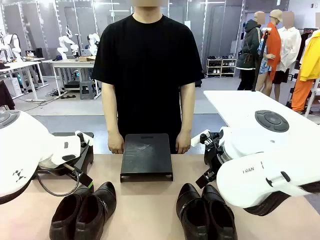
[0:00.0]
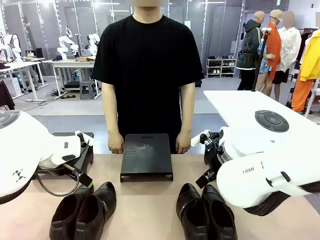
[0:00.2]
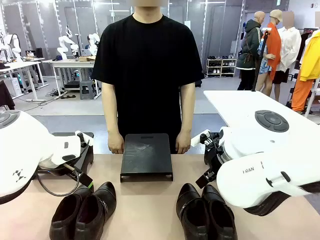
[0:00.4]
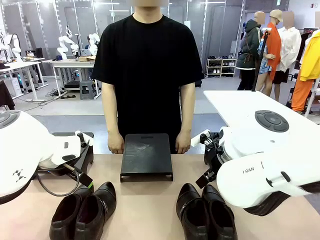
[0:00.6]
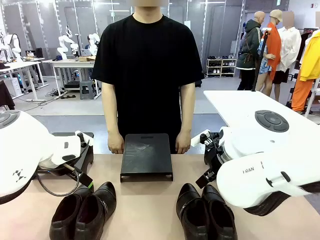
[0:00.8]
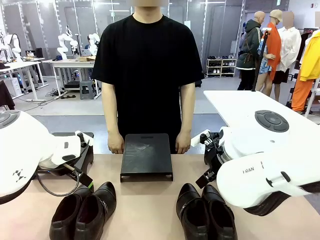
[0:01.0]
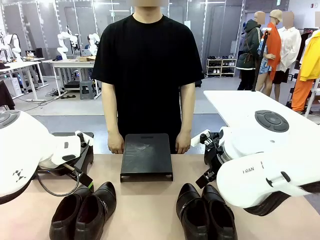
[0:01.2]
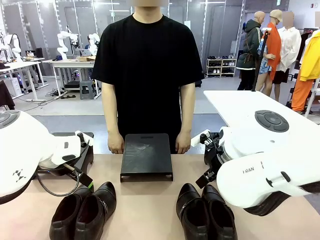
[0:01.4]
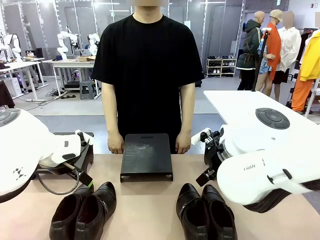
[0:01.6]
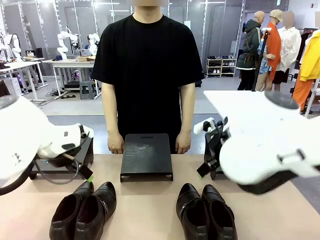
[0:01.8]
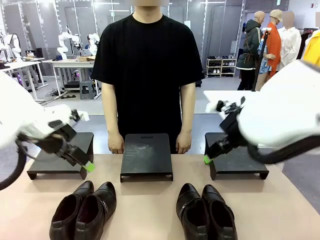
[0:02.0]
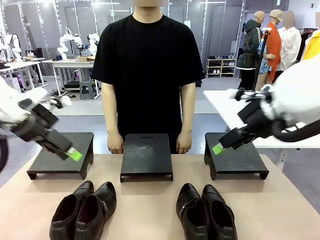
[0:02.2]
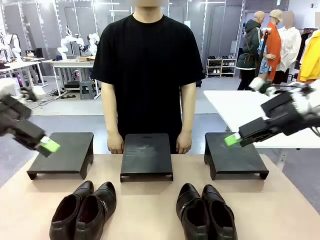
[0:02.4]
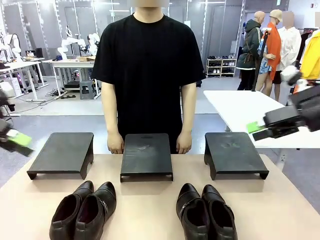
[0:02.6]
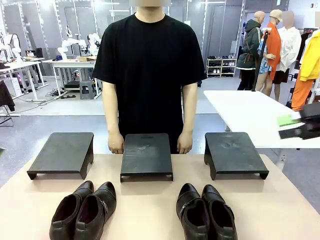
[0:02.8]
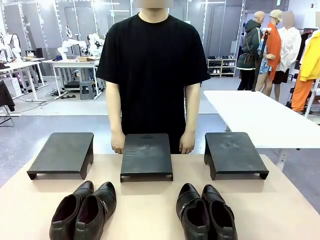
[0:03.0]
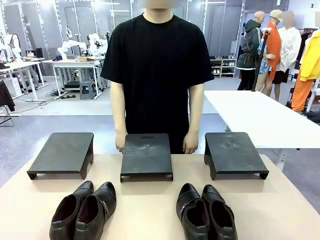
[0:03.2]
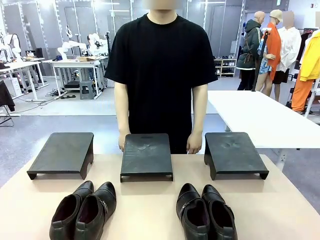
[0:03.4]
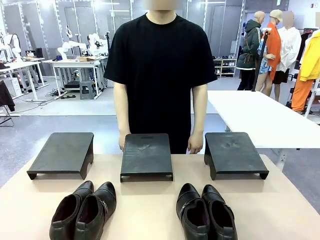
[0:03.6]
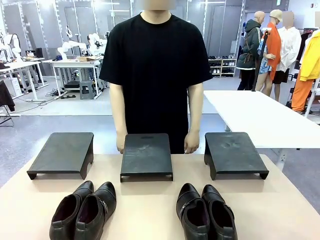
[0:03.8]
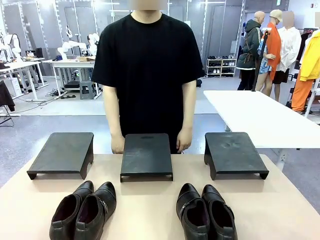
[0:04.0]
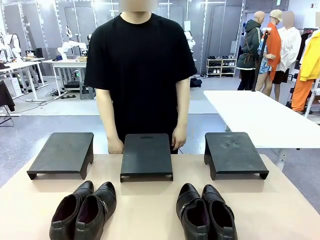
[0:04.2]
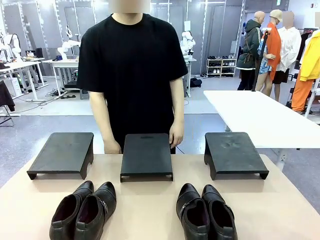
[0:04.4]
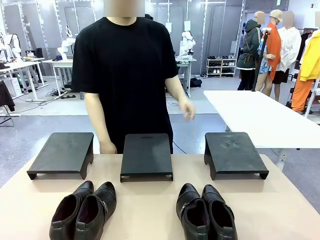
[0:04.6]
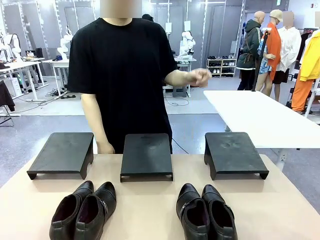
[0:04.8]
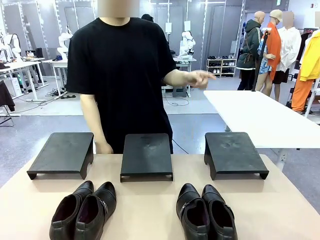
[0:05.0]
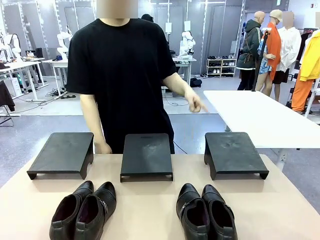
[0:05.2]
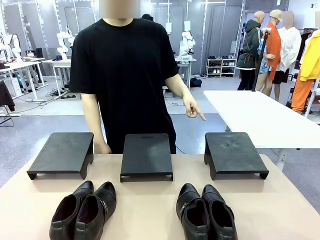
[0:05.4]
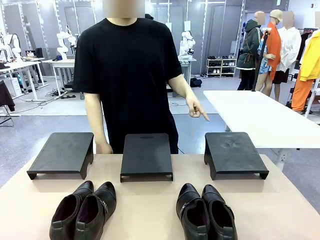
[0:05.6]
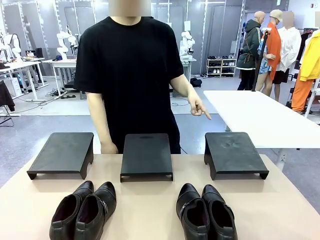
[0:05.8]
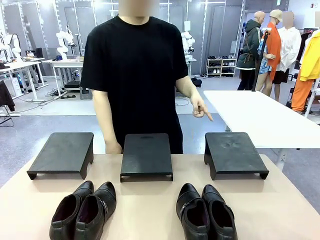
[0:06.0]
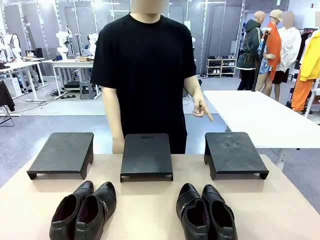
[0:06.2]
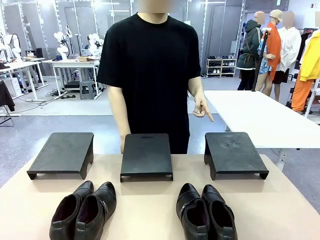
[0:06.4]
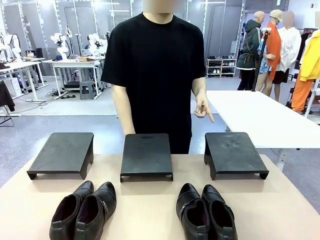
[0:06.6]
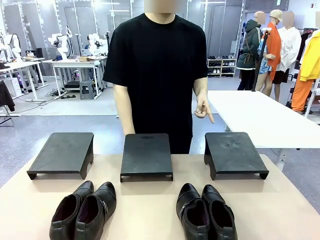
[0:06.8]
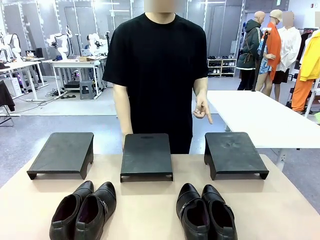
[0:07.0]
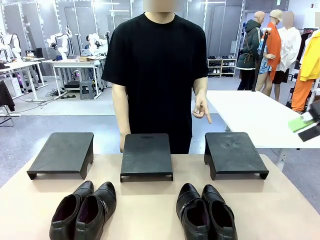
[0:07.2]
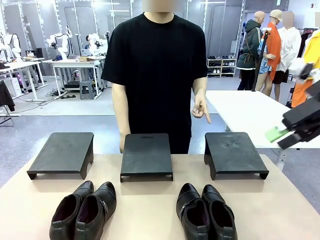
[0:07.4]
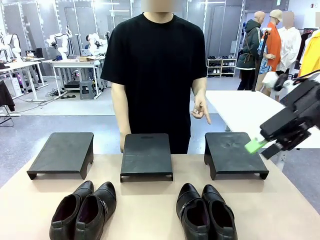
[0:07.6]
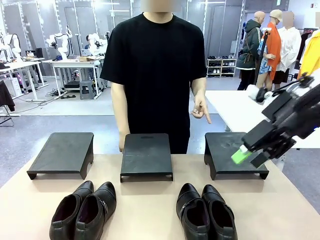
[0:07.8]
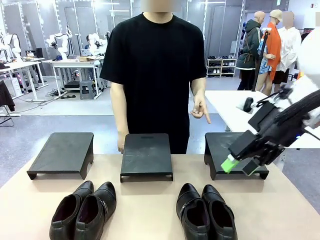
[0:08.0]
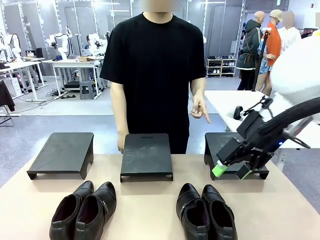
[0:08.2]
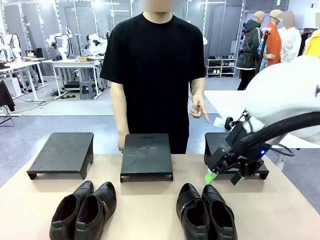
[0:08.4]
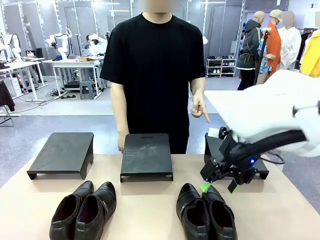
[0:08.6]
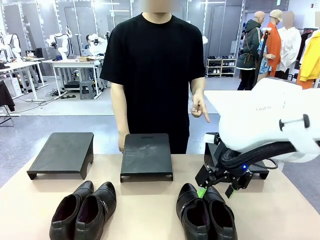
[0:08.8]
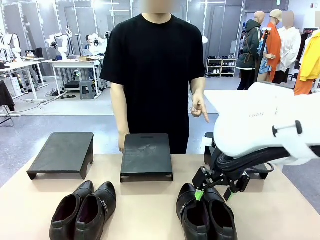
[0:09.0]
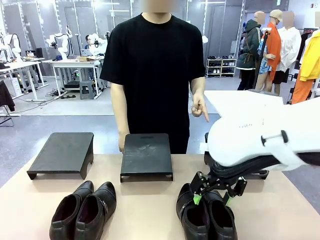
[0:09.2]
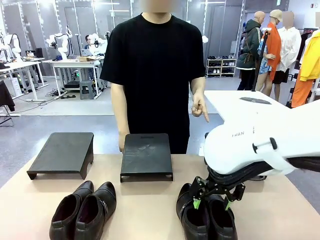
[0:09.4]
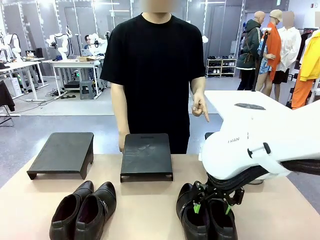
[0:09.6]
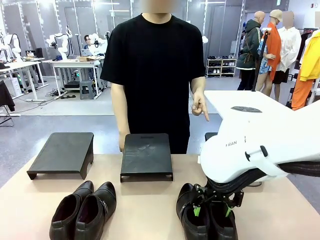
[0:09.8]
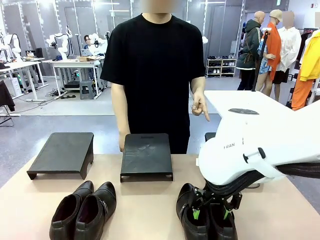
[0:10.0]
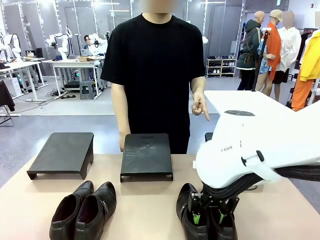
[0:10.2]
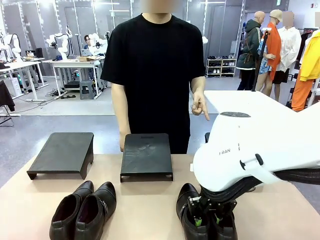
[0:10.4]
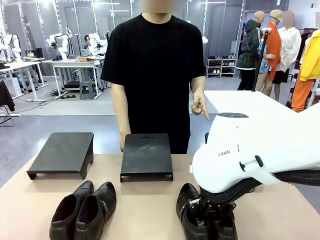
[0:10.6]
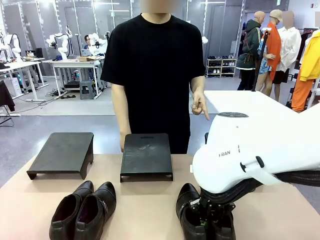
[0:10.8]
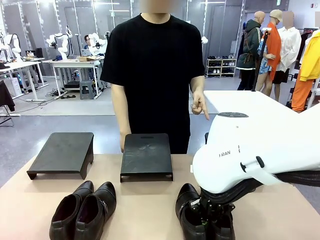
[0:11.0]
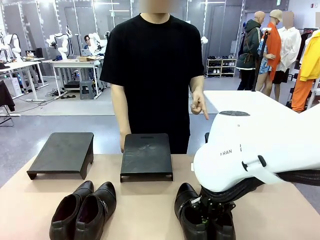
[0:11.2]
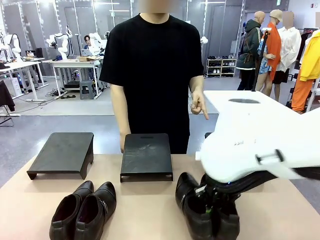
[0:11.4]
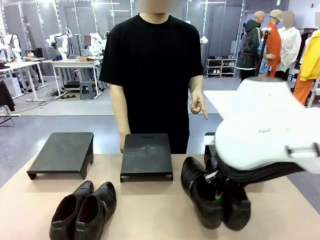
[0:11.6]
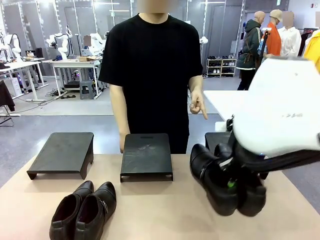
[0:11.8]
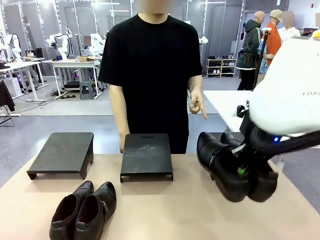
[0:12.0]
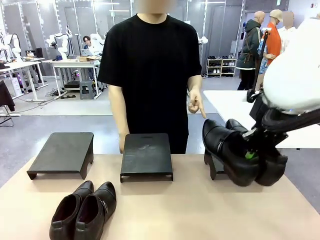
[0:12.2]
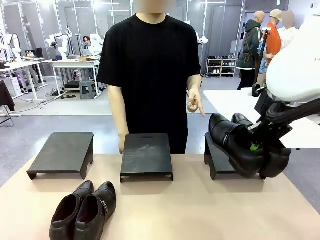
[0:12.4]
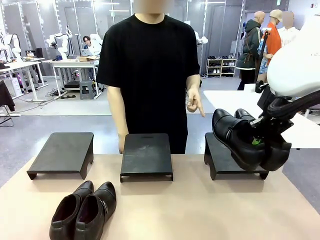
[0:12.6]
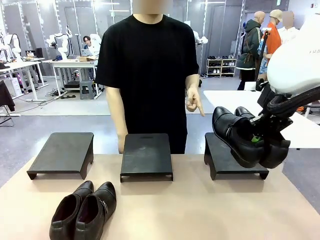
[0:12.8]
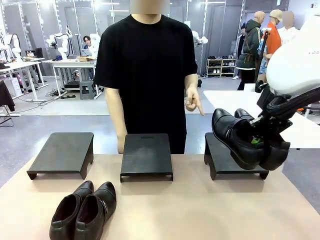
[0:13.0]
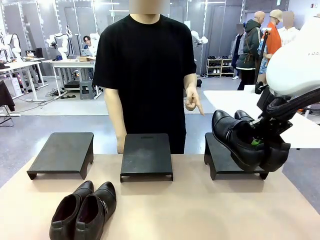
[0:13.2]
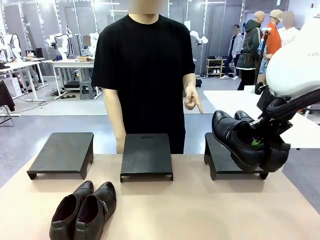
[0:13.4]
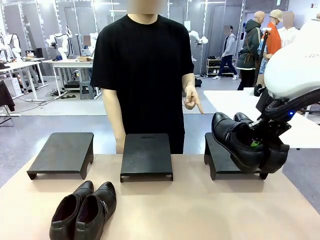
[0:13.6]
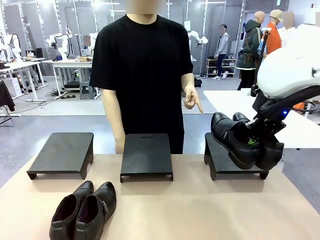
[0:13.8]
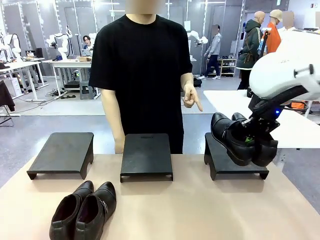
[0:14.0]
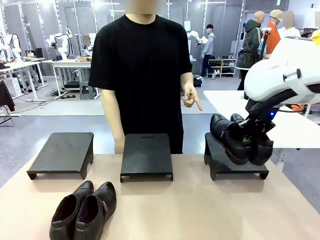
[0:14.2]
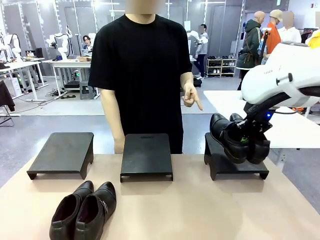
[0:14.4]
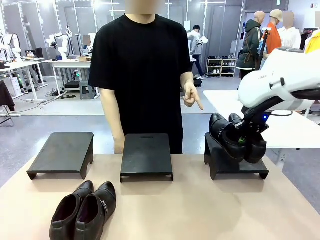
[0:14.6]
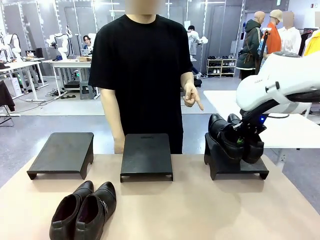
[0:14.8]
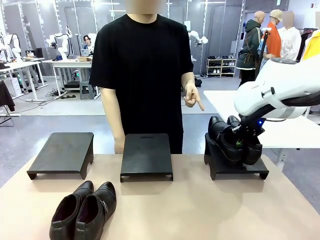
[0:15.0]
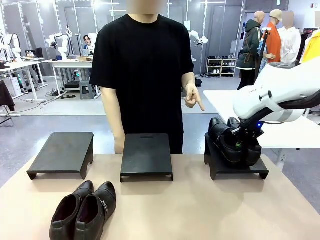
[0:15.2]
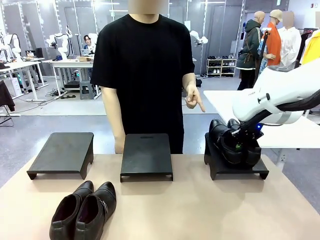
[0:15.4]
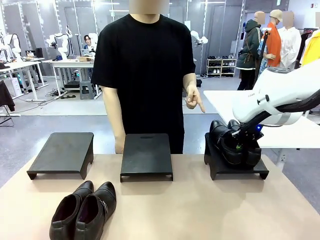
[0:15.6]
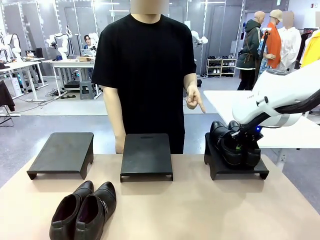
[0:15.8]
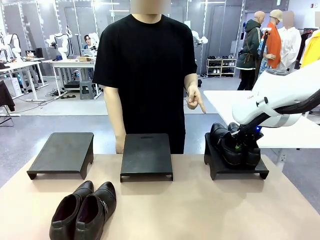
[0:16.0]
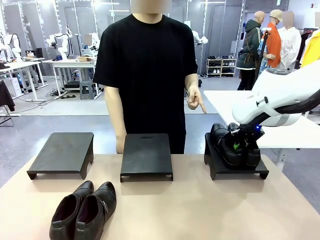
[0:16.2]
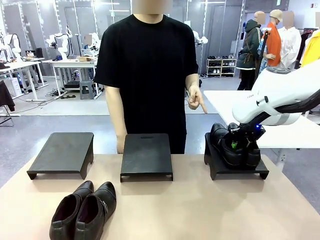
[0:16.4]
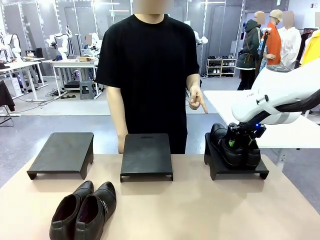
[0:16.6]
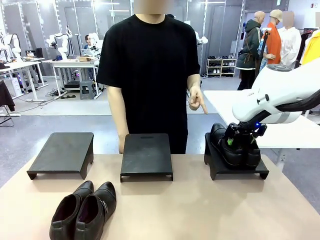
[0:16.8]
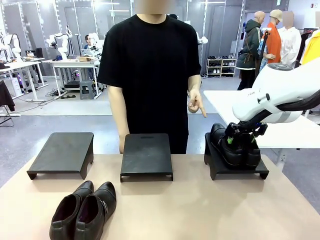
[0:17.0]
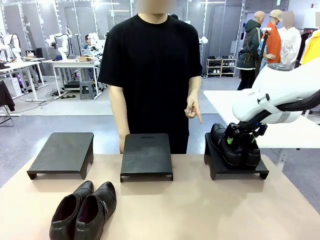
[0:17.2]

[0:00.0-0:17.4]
Task: Place the shoes on the stand as instructed by the person.
Robot: Pick up one pair of Shoes and place it on the Shoes Stand indicated by the person.
